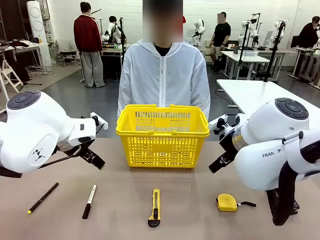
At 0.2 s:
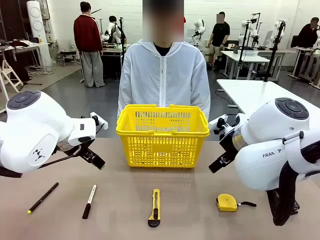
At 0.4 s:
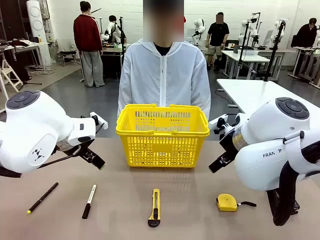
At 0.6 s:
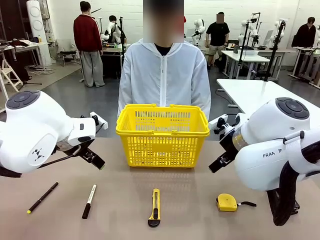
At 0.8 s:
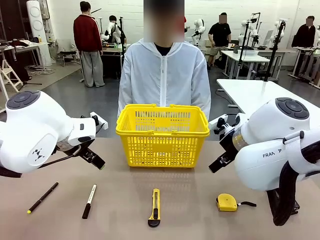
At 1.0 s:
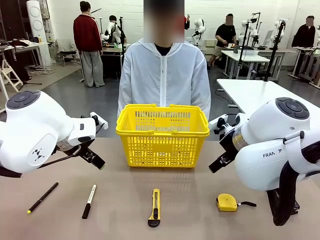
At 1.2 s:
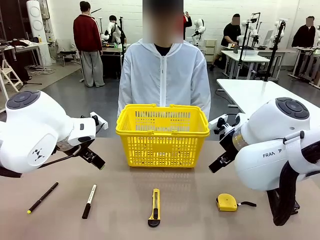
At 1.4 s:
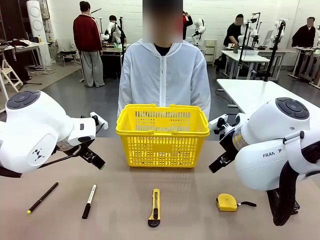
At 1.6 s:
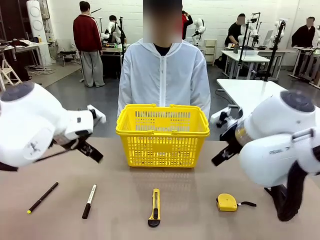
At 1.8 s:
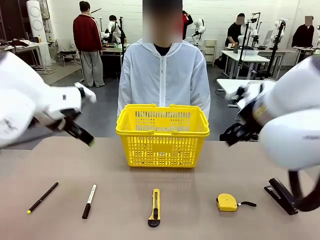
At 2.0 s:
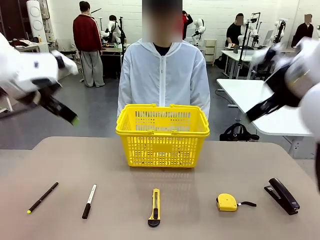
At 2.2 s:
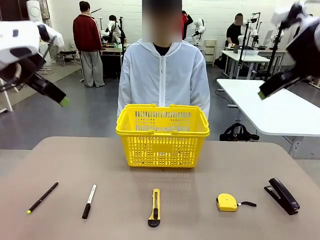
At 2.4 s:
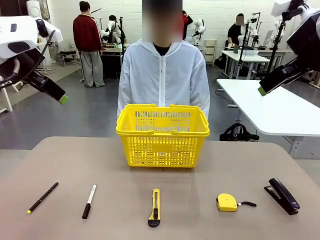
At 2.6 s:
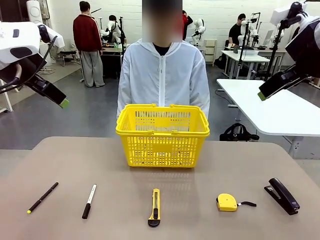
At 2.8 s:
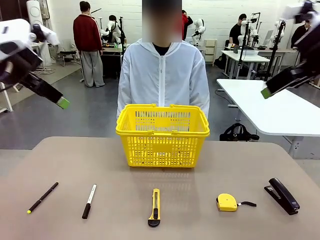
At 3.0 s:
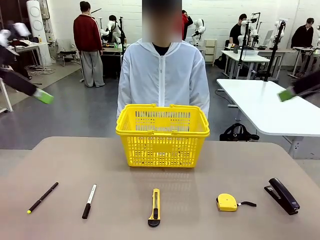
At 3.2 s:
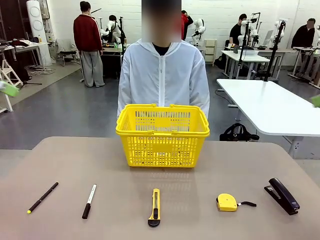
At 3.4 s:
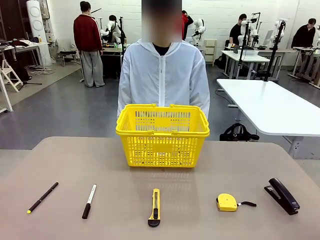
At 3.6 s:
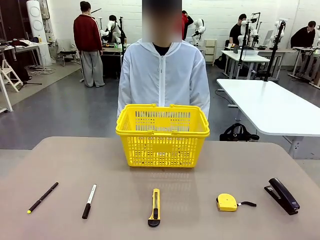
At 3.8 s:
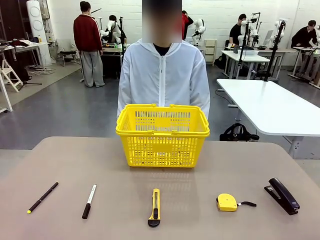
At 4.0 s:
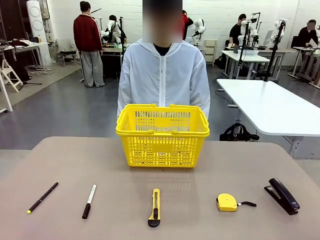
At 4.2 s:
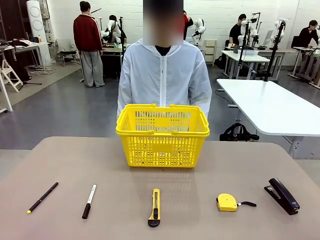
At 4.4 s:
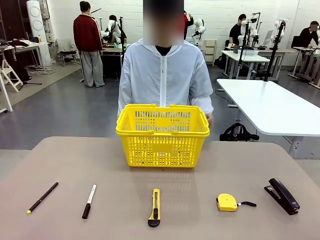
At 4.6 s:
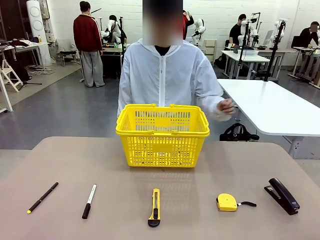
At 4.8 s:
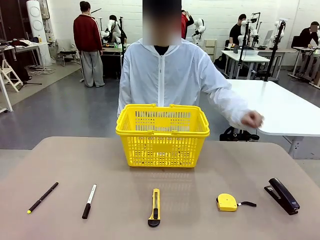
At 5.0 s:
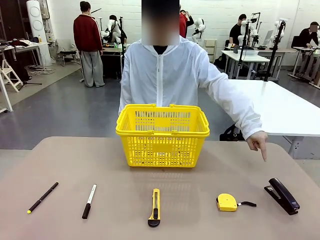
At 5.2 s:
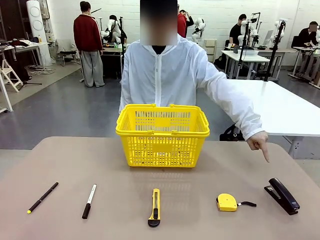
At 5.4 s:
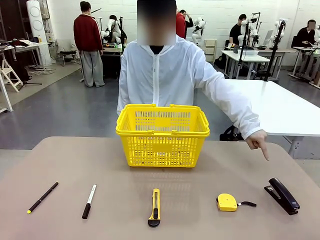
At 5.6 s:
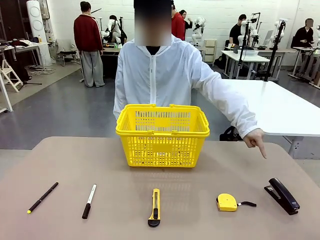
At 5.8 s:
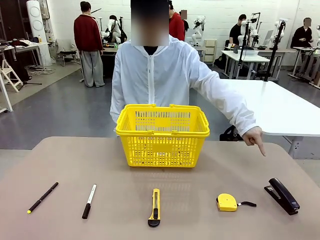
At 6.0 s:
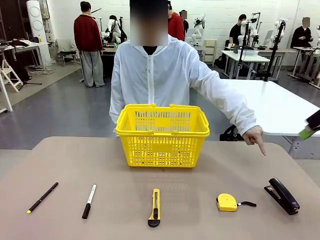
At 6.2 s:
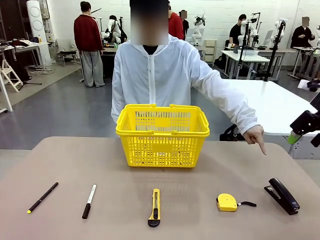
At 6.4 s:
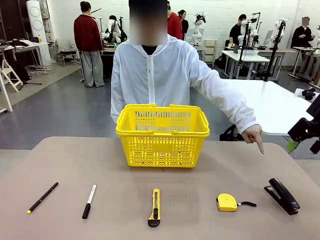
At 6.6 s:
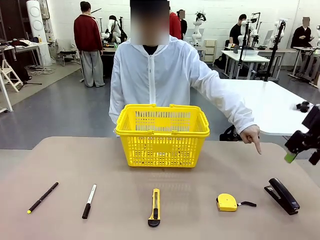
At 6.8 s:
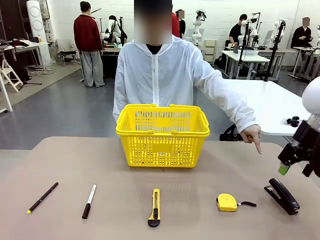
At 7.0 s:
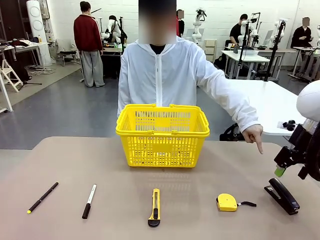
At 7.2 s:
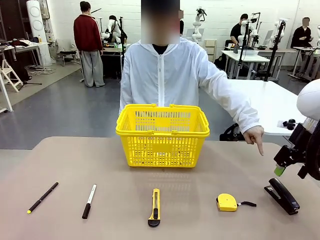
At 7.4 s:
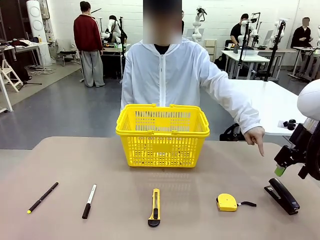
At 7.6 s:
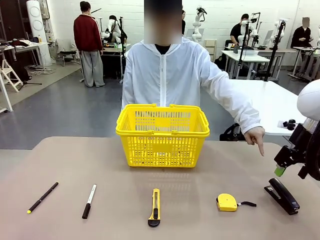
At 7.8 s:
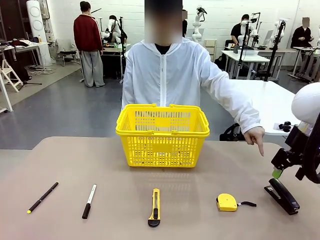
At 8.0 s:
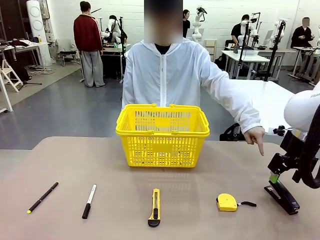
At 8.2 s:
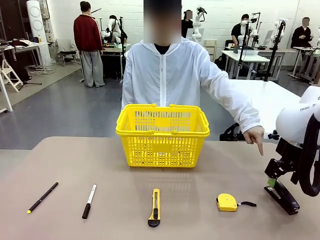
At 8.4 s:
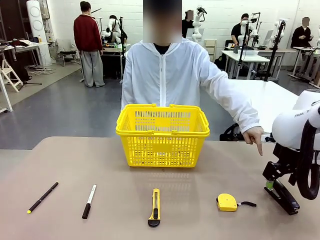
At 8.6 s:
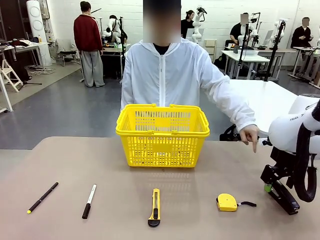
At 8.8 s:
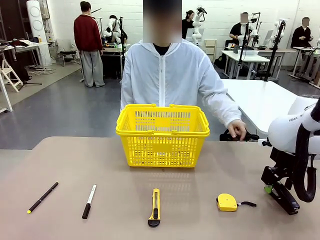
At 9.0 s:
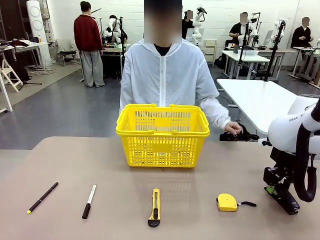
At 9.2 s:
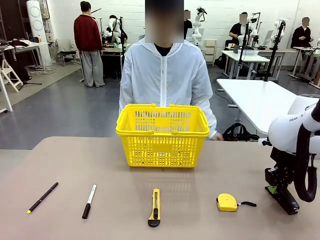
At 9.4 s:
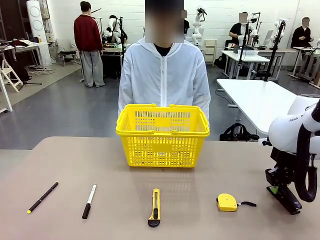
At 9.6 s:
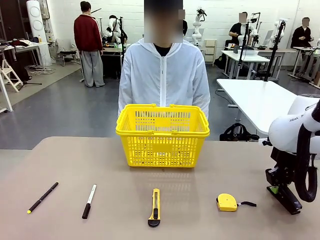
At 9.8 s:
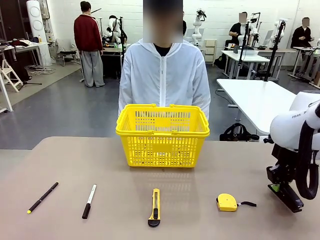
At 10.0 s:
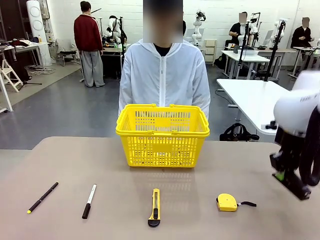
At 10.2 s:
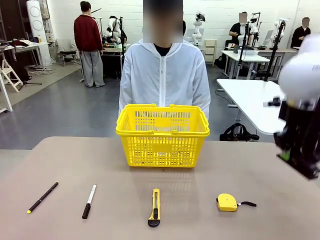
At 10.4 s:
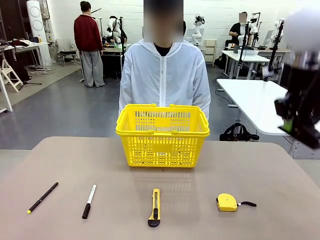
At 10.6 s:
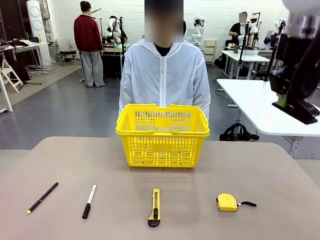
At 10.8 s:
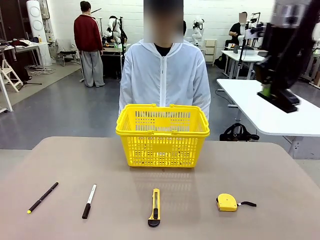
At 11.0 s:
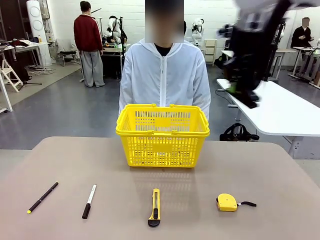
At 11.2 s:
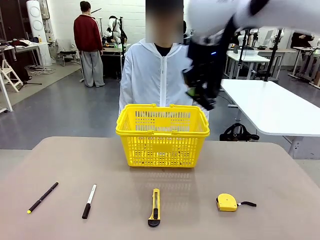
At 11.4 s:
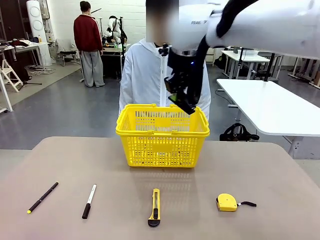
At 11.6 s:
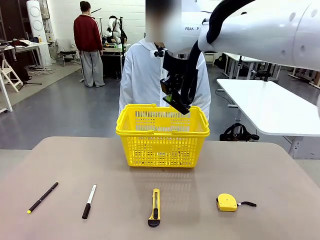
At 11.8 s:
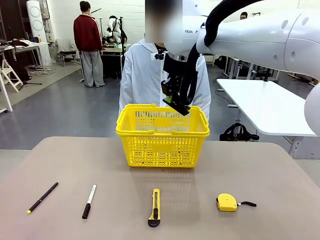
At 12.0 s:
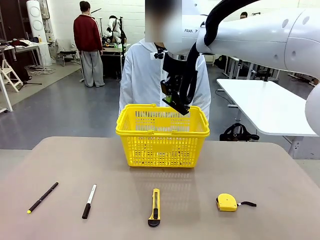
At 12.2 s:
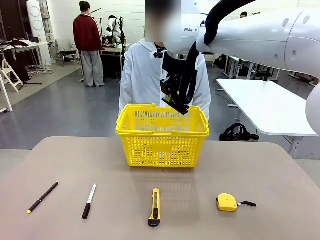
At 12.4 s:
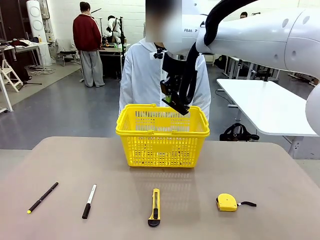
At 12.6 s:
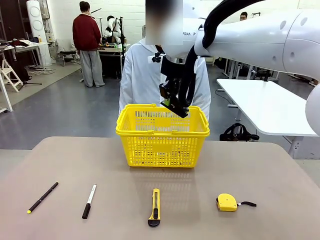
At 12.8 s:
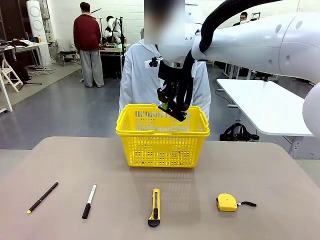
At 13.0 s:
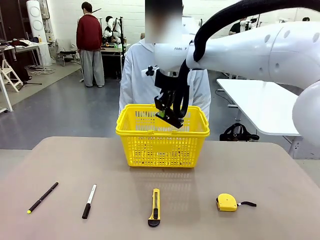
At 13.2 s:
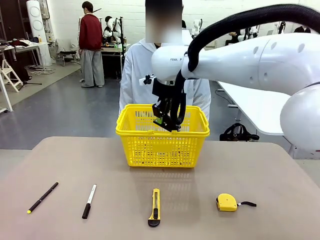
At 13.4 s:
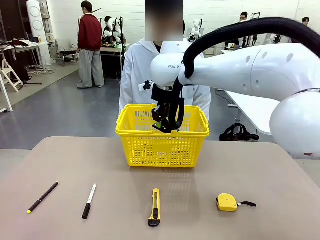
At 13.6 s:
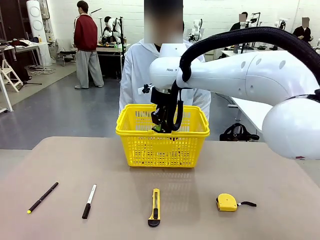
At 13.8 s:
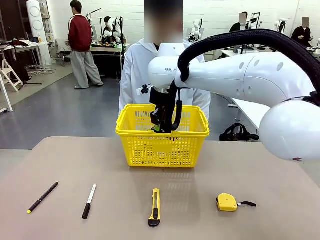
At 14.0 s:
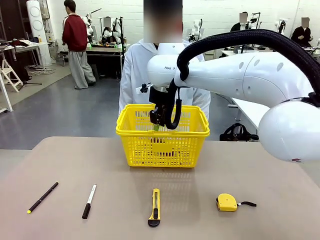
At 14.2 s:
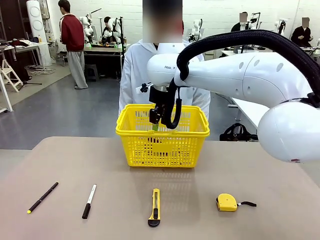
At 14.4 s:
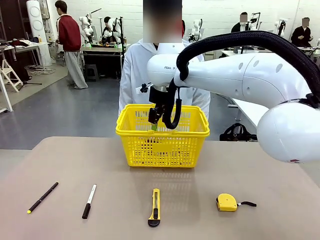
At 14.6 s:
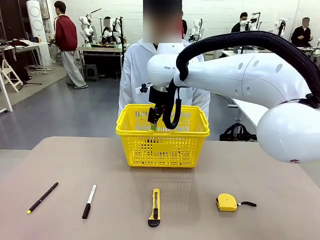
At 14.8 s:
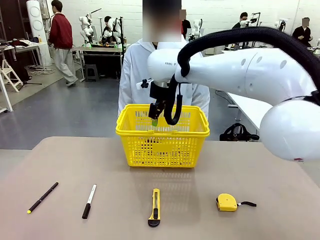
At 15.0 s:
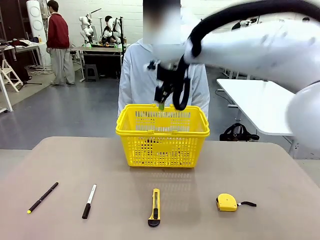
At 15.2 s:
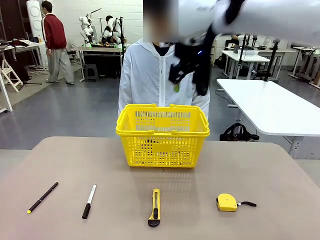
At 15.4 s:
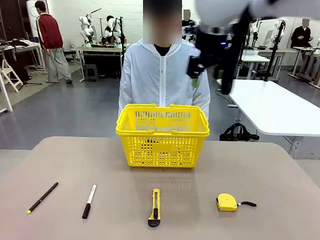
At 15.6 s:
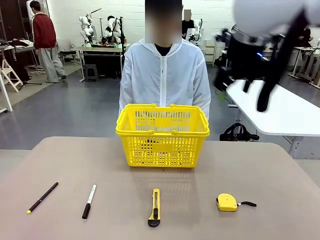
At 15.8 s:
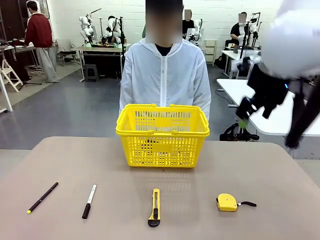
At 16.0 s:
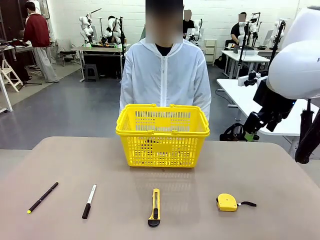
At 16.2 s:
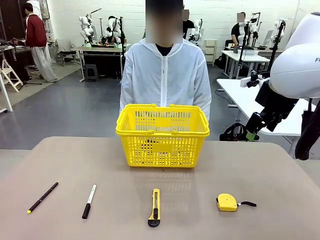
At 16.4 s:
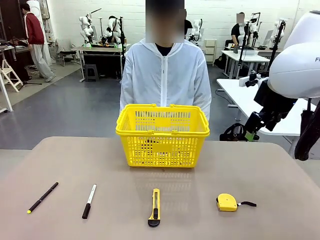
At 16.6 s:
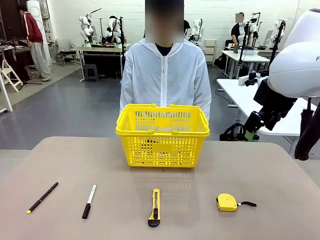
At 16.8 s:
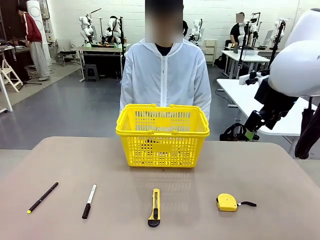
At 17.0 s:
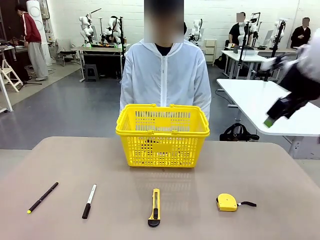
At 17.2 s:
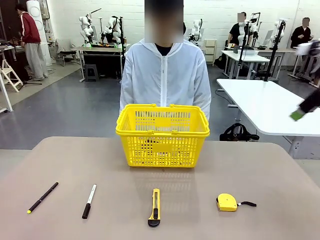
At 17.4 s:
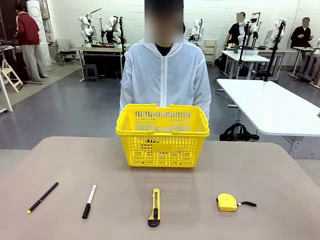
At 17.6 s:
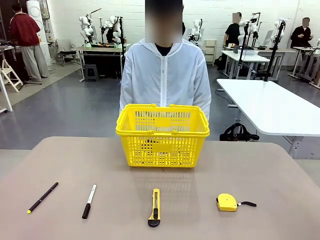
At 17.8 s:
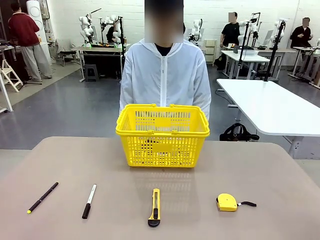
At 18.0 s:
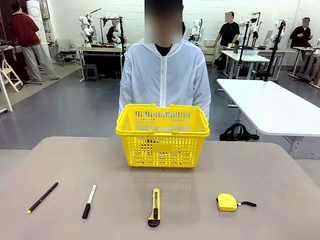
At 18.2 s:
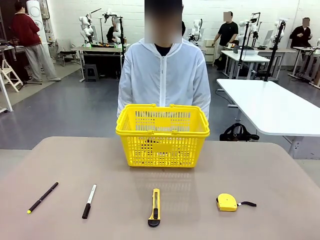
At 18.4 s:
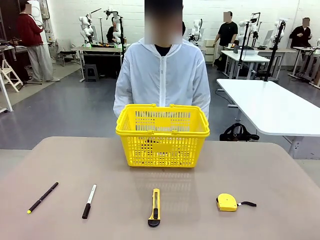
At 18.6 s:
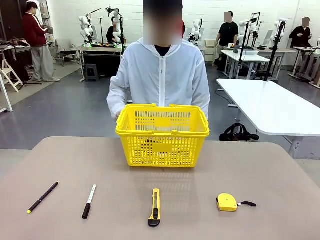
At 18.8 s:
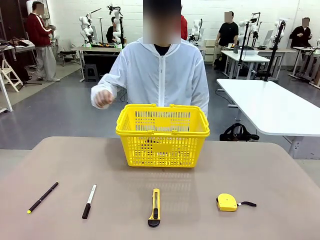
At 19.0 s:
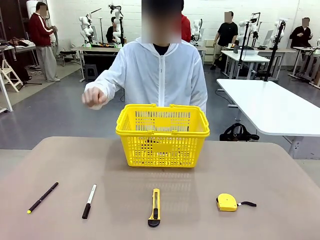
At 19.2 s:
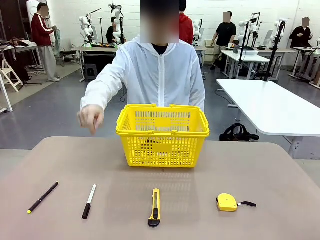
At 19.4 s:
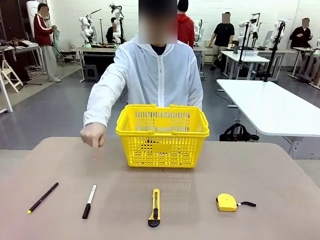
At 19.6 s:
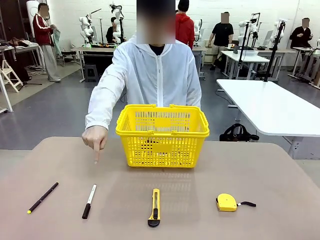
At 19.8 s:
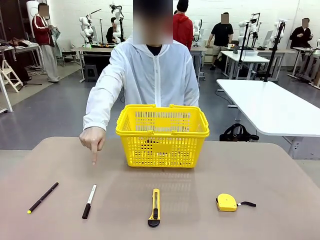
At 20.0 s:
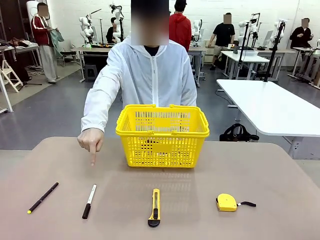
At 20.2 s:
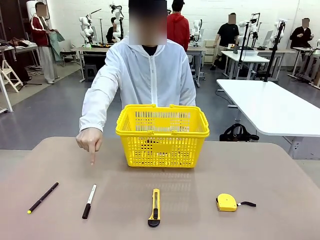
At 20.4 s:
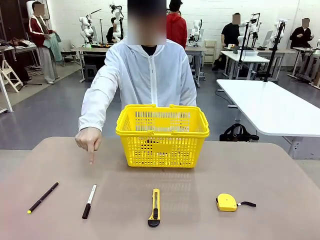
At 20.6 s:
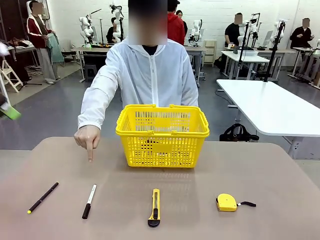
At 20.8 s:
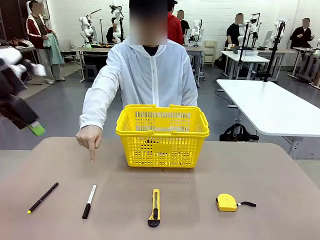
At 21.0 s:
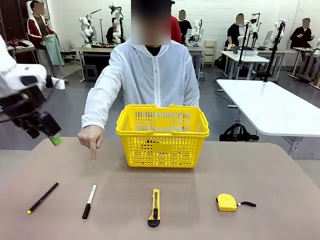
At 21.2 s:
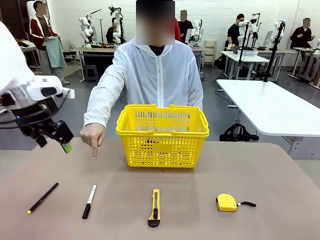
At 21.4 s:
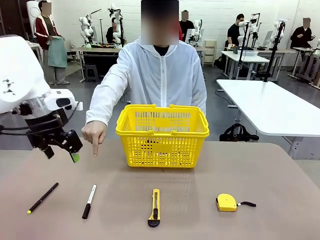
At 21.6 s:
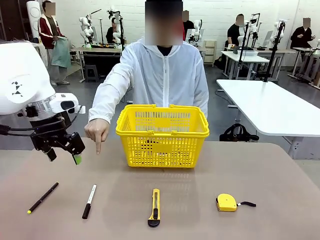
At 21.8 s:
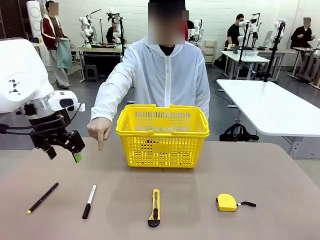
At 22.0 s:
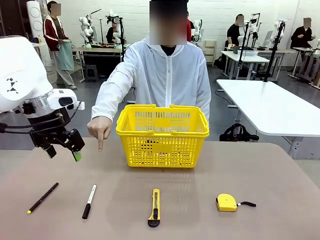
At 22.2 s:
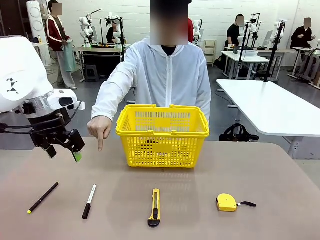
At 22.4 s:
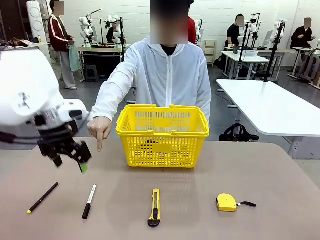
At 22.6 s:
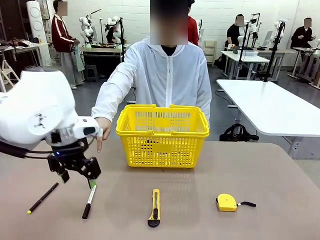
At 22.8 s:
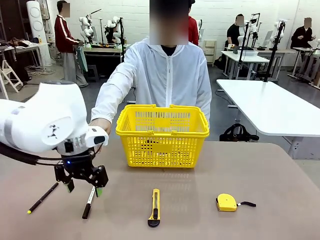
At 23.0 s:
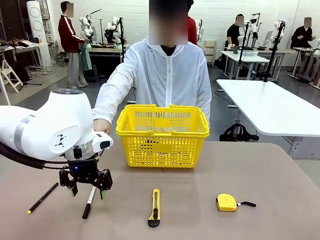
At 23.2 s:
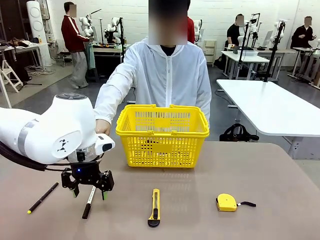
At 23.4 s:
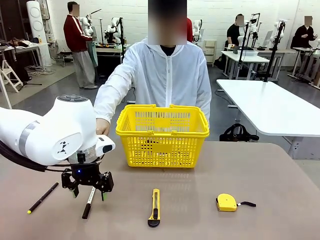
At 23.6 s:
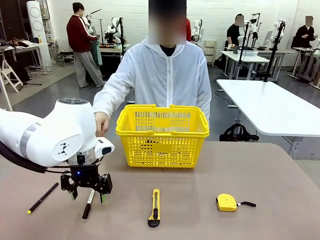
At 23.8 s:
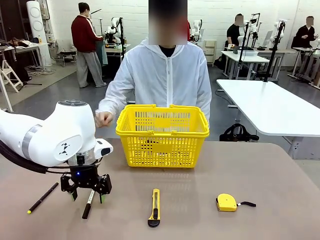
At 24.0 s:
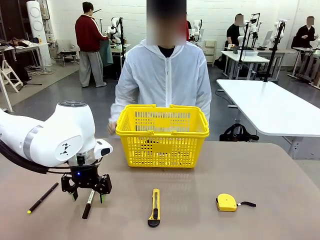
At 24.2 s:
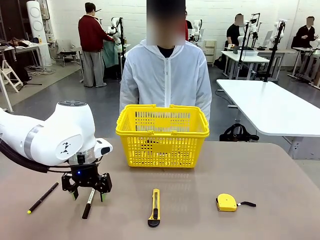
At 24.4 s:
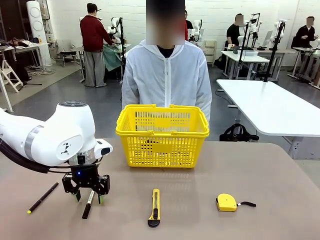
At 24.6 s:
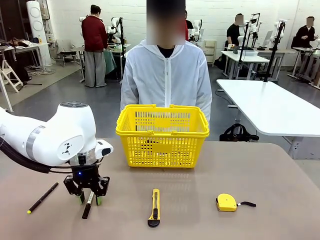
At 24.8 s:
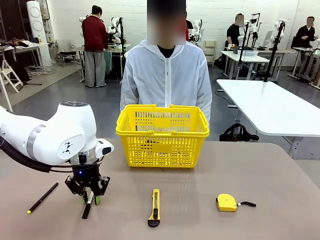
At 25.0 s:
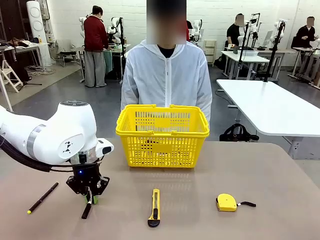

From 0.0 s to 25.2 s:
Task: Place the items the person wants into the basket.
Robot: Pick up the item the person points to and place it in the Market Basket.
